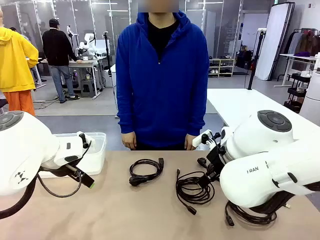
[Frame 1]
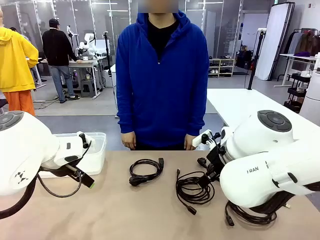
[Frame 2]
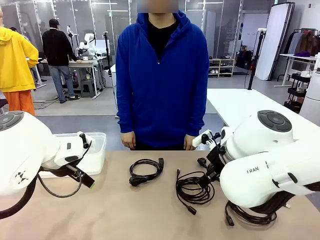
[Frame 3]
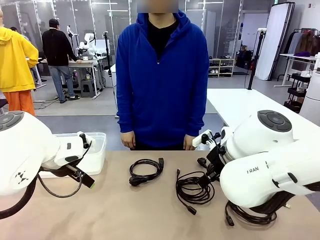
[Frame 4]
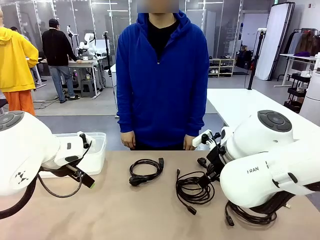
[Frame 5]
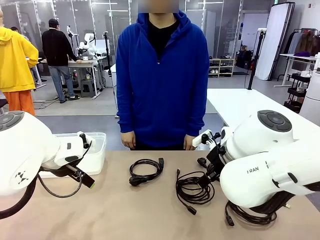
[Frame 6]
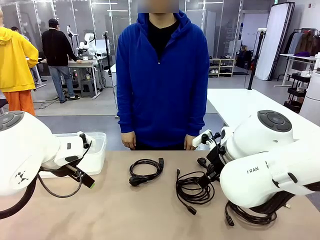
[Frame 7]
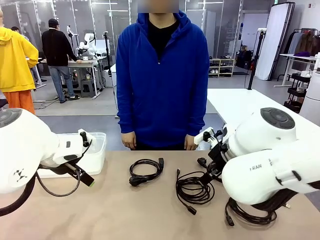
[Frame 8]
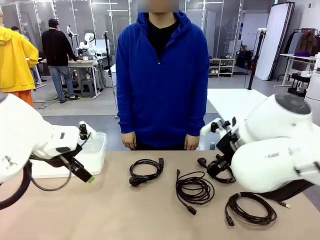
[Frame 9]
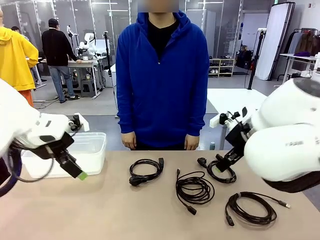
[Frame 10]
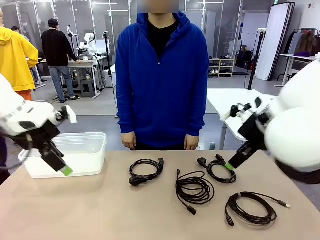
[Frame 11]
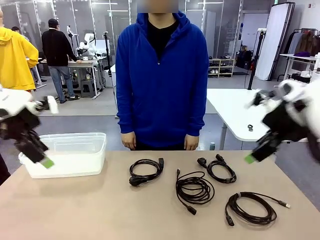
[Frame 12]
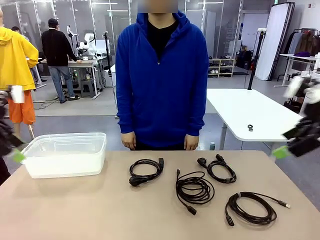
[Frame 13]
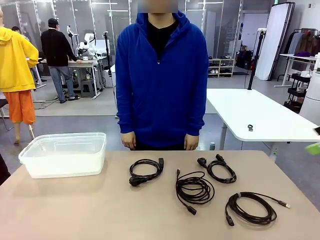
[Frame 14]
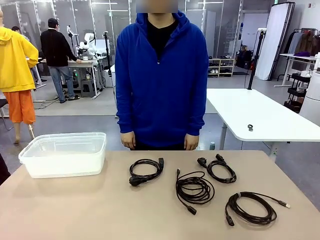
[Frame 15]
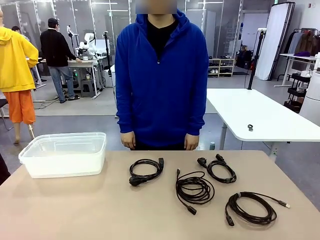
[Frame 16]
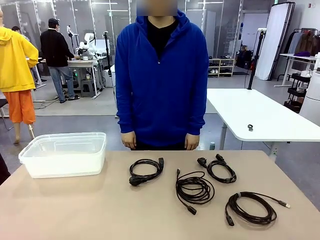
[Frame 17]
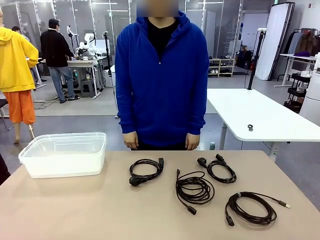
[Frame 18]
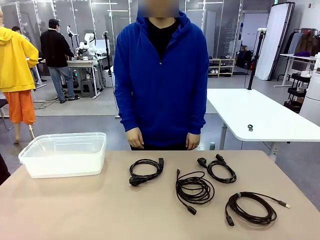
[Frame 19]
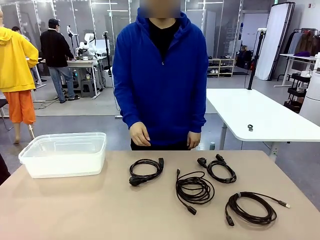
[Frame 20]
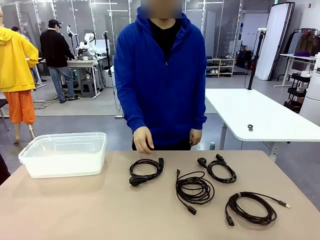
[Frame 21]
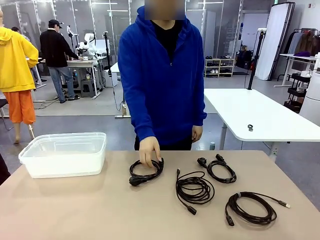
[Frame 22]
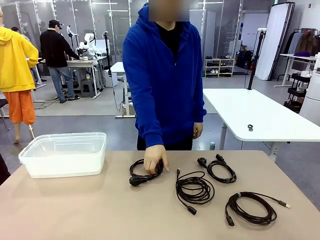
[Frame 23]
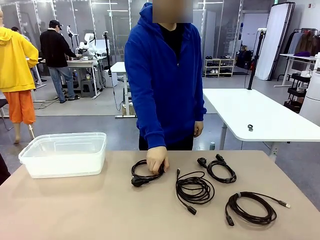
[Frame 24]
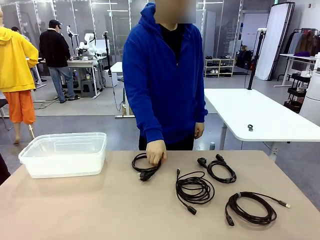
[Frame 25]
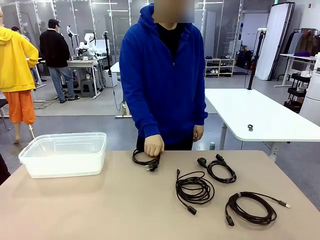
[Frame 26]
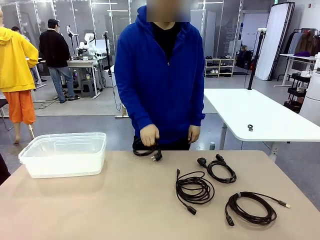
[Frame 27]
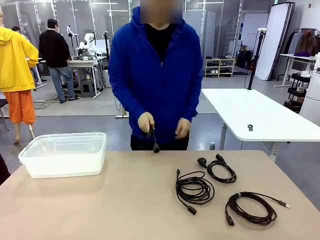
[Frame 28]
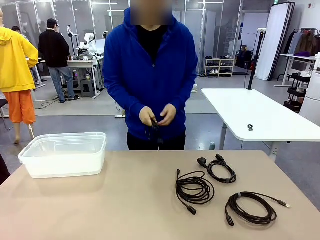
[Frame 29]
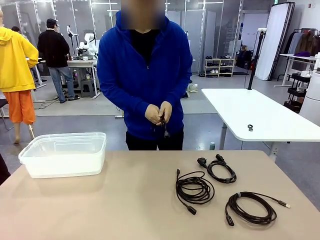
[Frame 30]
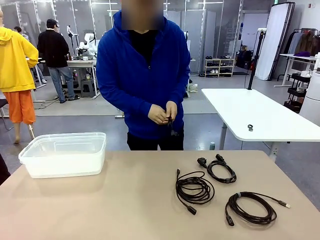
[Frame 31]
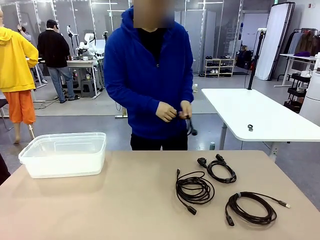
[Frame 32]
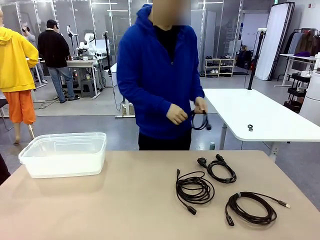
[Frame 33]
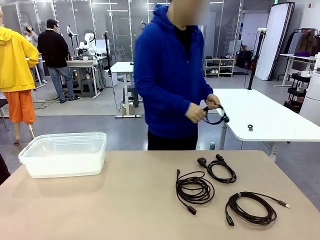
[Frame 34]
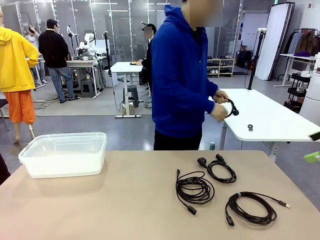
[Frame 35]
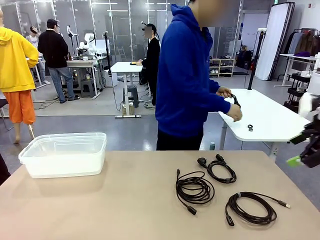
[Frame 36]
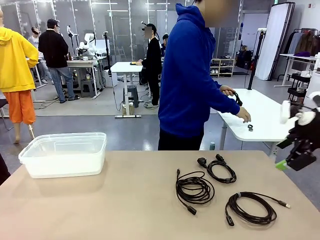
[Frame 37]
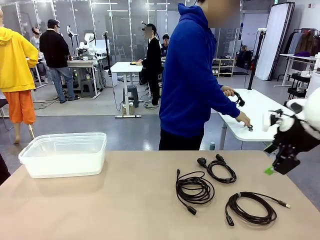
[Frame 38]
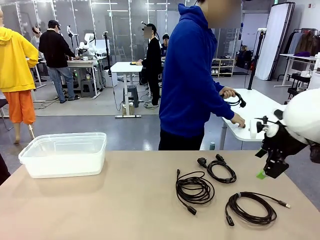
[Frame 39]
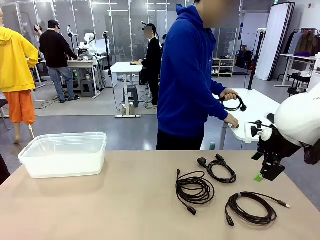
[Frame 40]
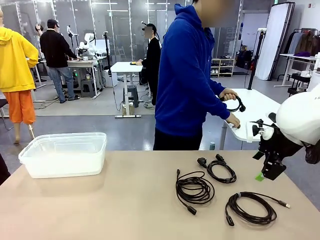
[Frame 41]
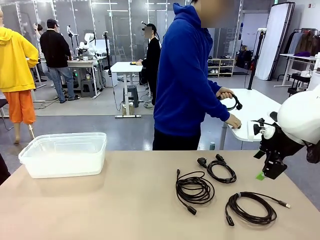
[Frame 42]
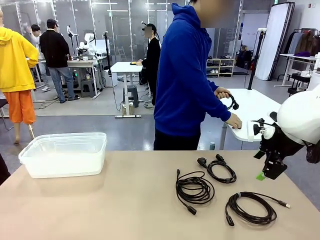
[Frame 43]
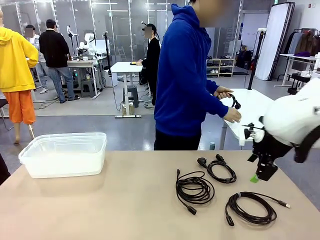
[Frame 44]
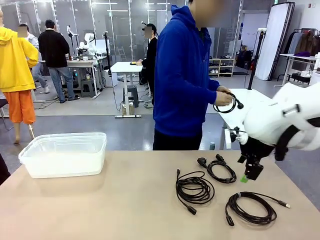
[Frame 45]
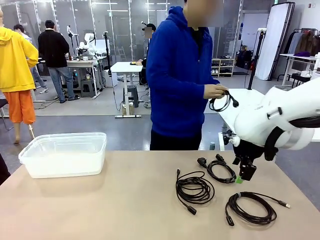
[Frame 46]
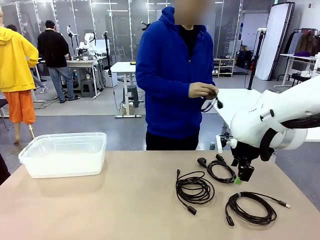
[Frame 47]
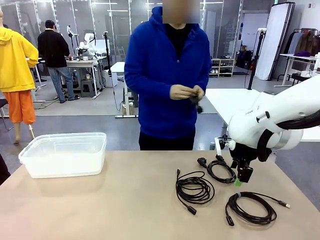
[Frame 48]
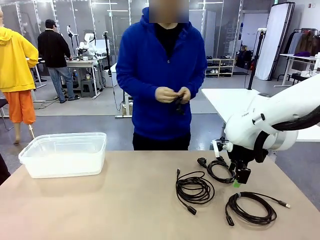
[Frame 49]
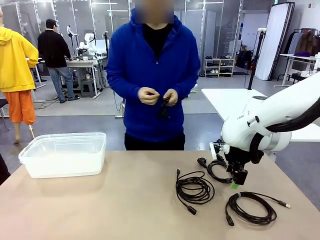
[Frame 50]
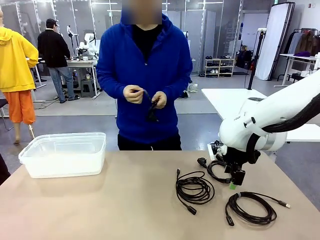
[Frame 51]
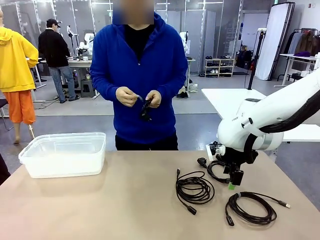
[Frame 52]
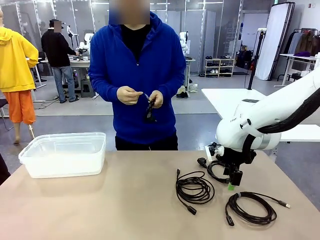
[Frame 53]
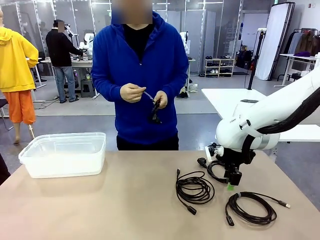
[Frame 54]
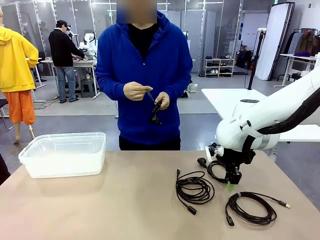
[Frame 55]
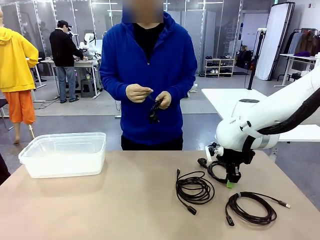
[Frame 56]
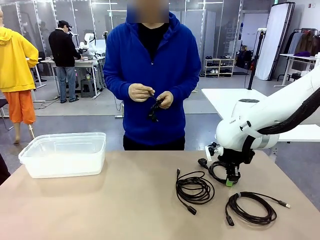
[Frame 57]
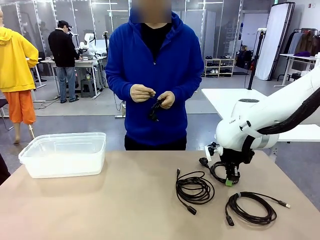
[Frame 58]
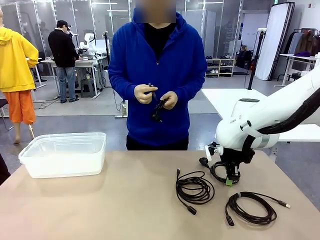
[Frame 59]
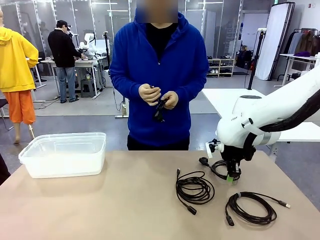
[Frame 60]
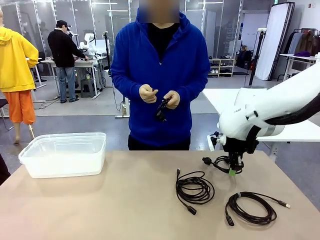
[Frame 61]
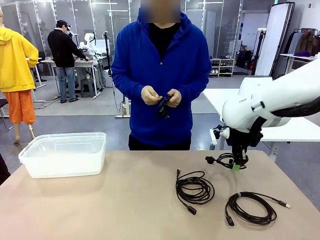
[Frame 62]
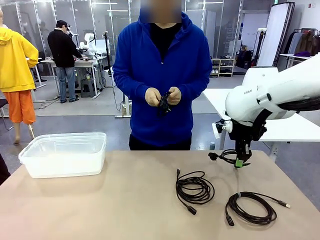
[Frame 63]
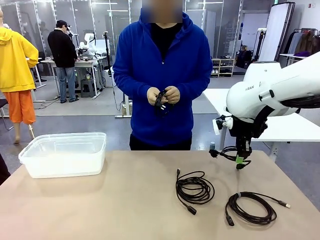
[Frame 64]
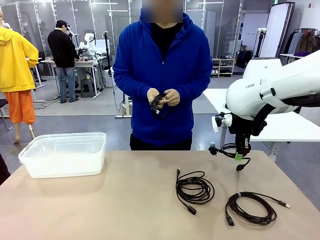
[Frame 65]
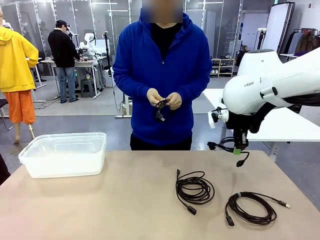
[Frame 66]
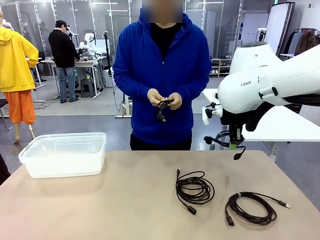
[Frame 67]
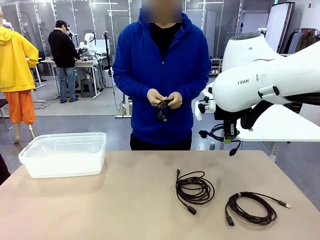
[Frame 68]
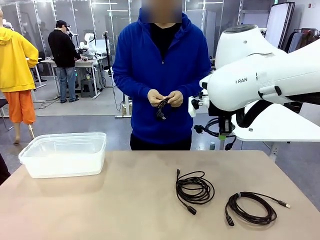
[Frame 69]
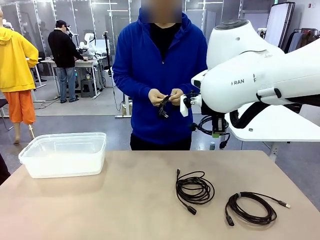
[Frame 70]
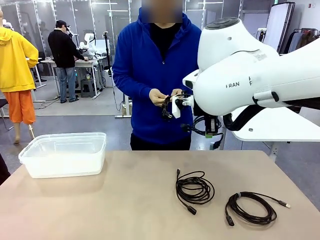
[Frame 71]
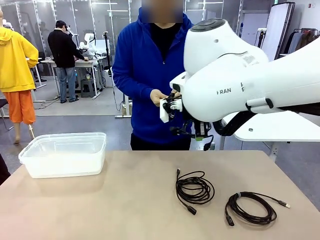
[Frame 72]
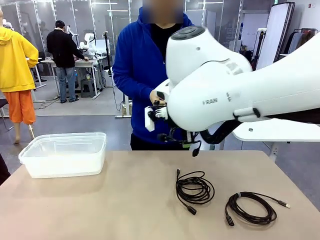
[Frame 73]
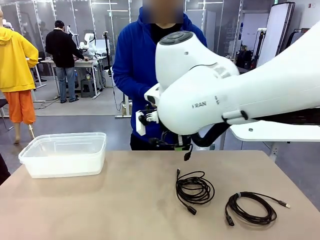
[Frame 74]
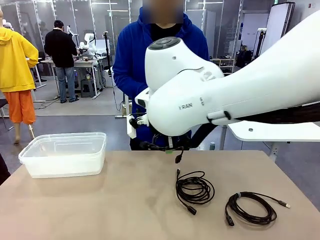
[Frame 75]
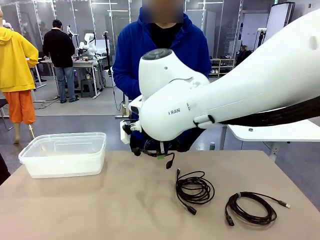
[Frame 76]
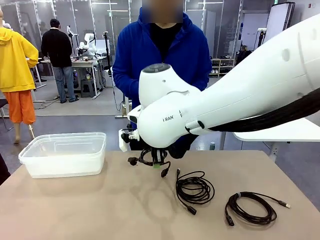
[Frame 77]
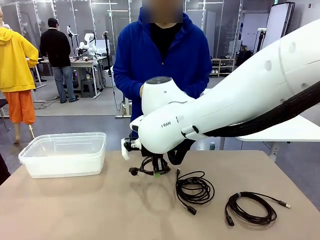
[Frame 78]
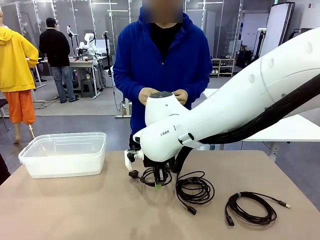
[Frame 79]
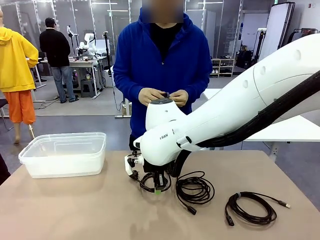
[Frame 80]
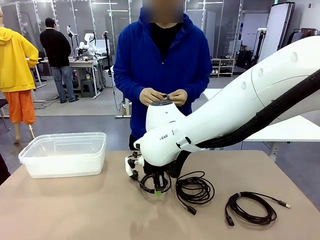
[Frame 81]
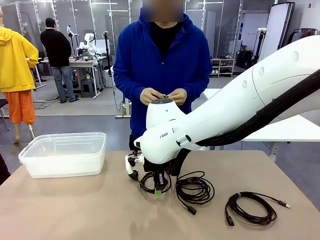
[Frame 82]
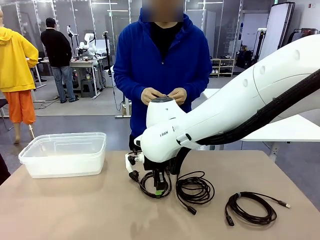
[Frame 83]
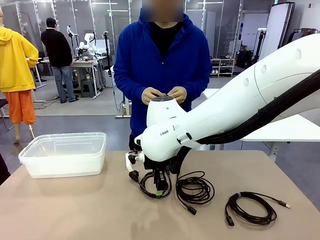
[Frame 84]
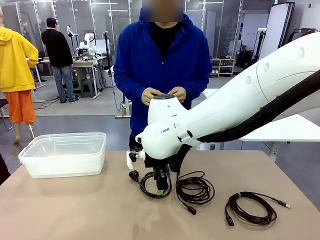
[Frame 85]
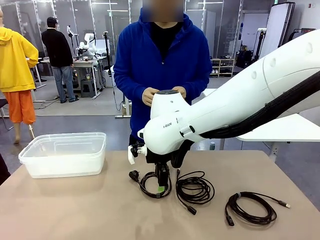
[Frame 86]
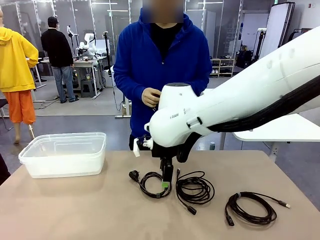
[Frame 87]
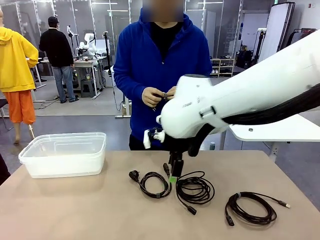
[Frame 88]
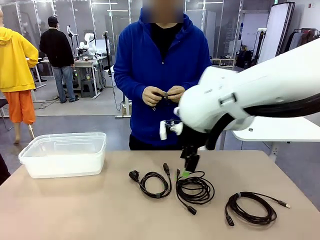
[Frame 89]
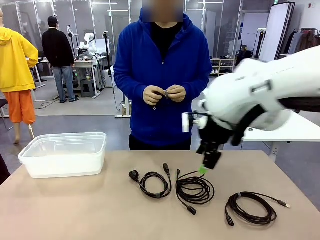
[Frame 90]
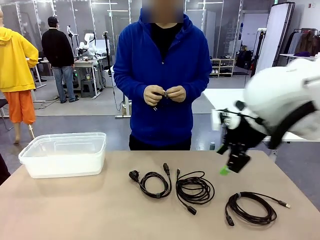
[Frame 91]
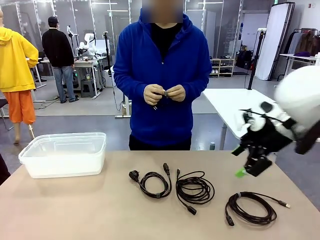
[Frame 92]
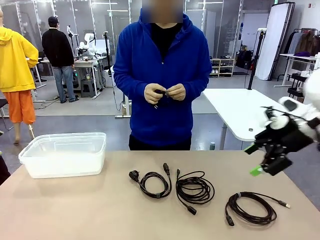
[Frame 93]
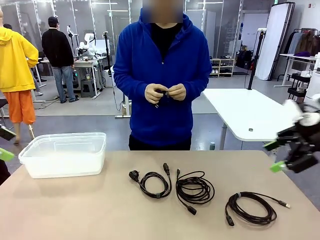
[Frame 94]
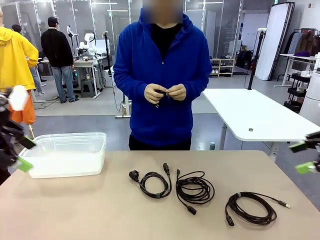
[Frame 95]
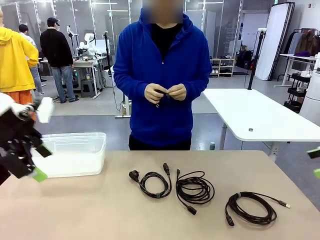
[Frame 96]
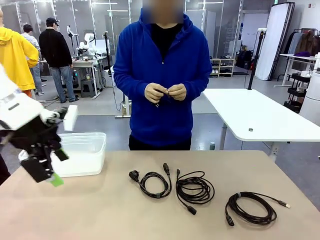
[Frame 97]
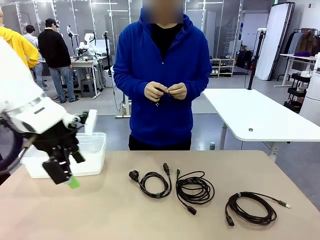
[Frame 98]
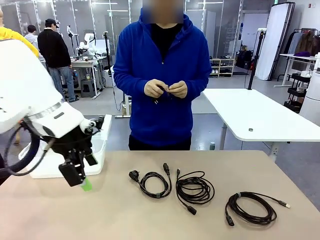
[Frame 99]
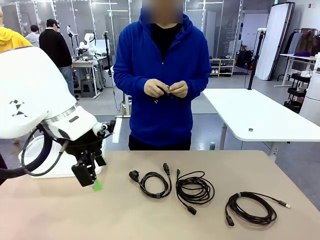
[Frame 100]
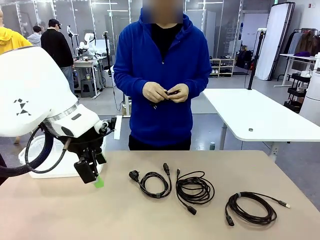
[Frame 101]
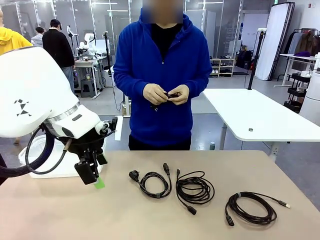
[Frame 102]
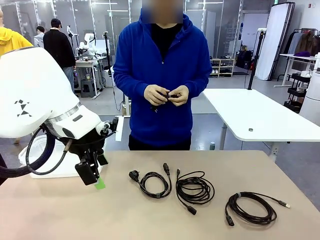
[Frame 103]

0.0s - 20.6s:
Task: Organize and store the cables.
Robot: Place the Power Cable into the Organizing box.
Person: Tie one Power Cable with a Reusable Cable Tie.
